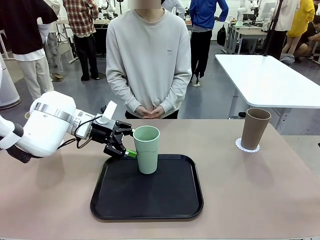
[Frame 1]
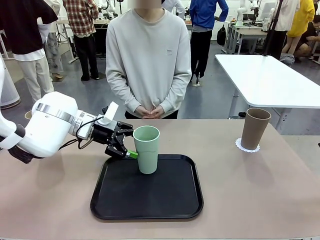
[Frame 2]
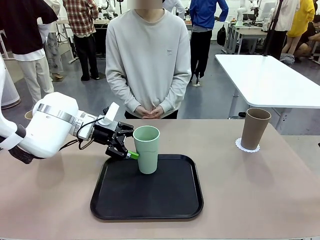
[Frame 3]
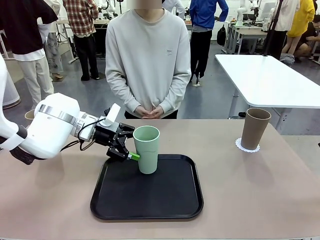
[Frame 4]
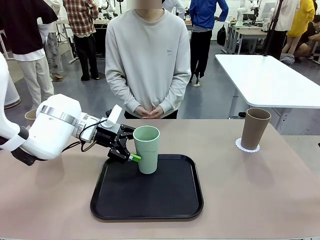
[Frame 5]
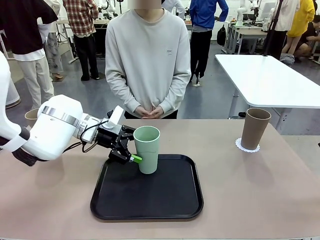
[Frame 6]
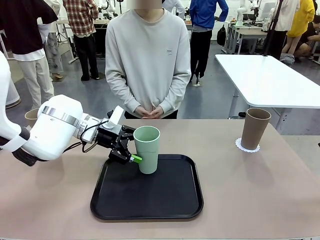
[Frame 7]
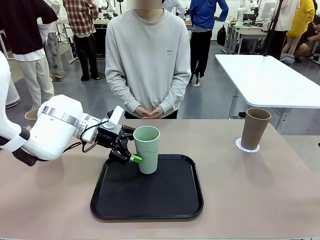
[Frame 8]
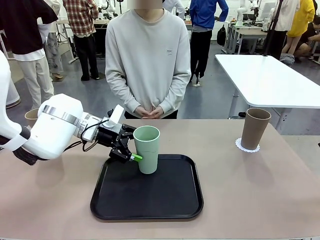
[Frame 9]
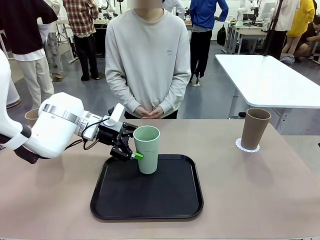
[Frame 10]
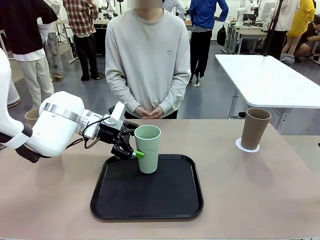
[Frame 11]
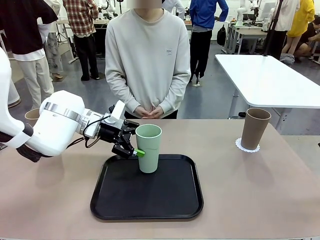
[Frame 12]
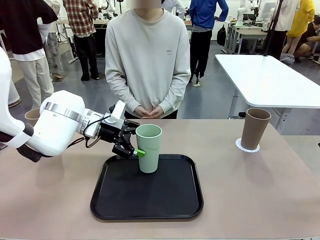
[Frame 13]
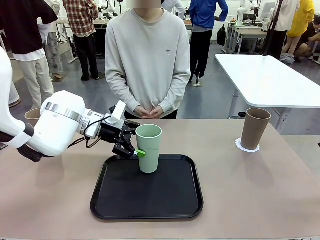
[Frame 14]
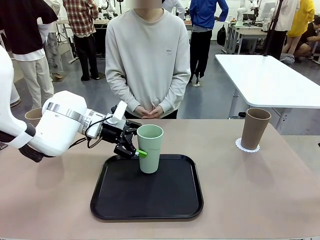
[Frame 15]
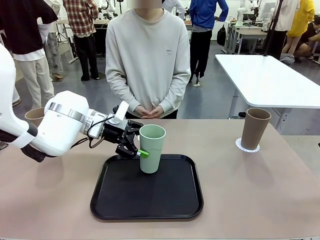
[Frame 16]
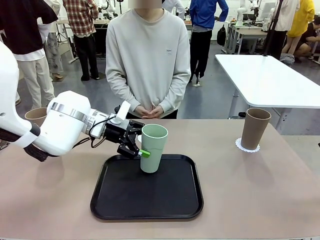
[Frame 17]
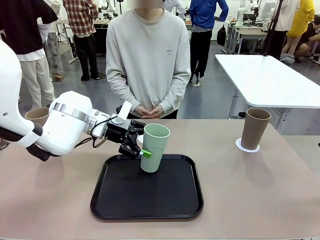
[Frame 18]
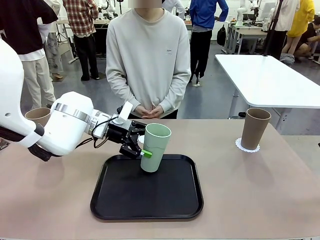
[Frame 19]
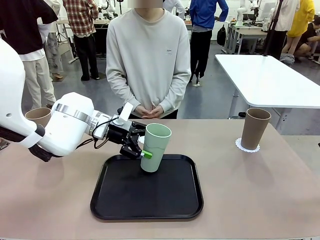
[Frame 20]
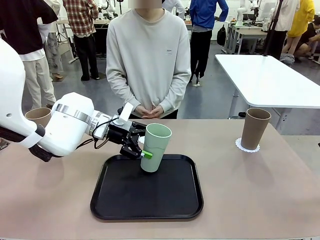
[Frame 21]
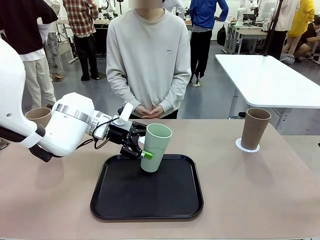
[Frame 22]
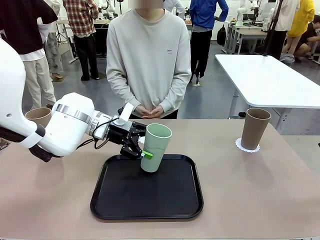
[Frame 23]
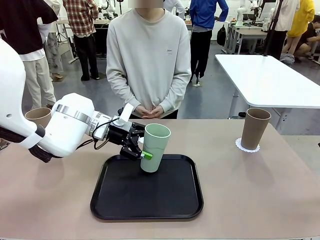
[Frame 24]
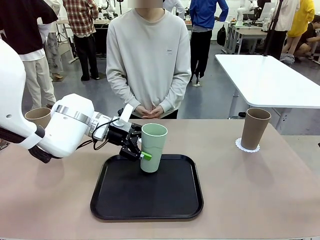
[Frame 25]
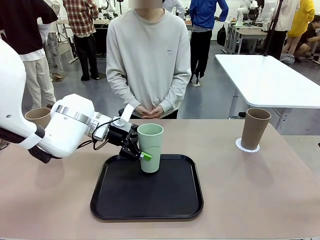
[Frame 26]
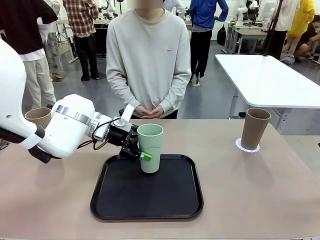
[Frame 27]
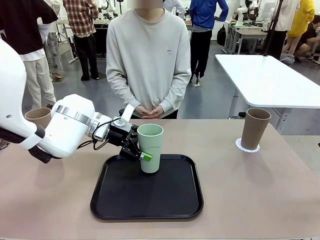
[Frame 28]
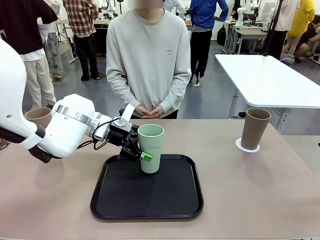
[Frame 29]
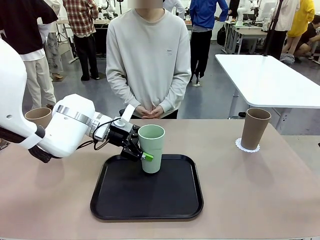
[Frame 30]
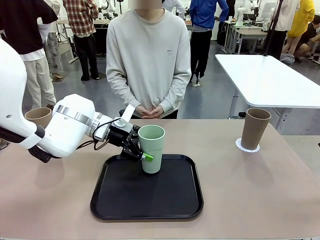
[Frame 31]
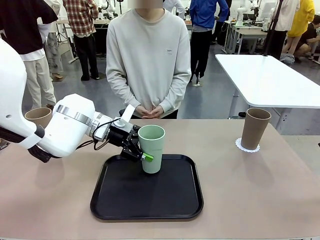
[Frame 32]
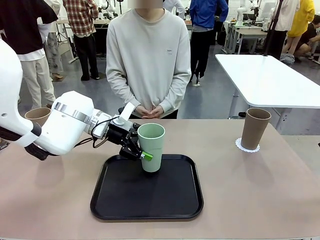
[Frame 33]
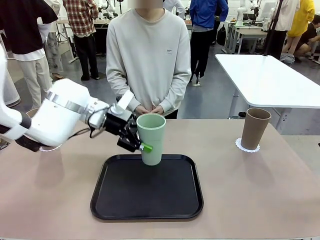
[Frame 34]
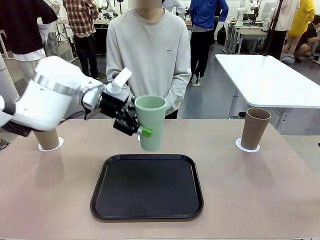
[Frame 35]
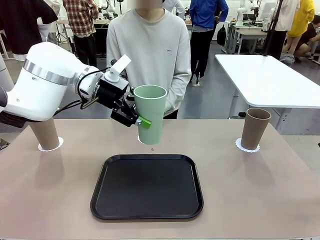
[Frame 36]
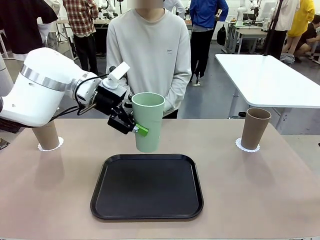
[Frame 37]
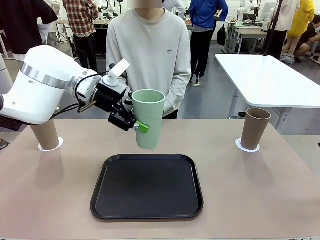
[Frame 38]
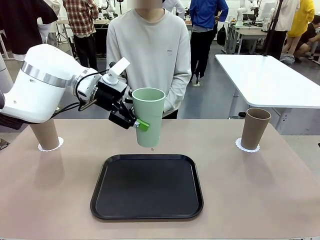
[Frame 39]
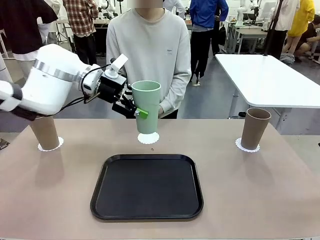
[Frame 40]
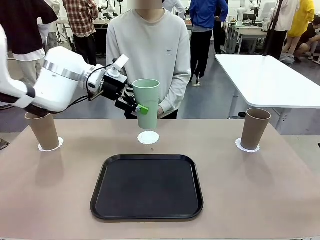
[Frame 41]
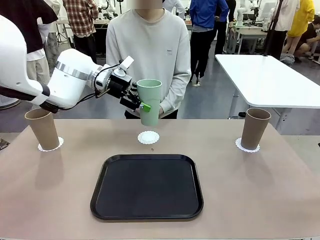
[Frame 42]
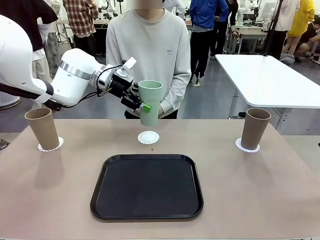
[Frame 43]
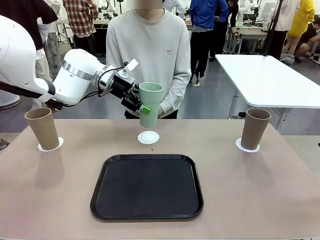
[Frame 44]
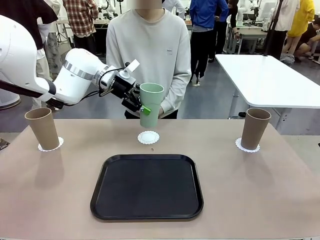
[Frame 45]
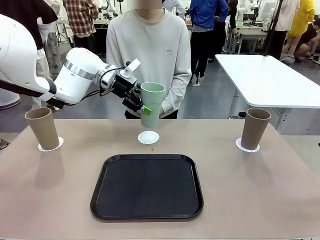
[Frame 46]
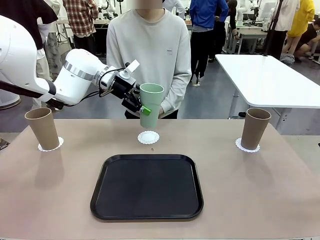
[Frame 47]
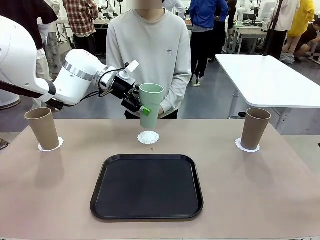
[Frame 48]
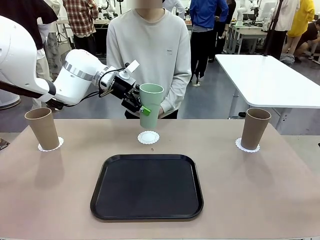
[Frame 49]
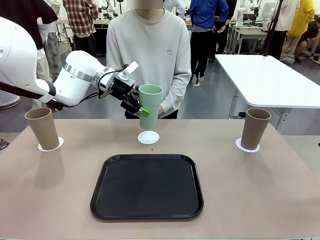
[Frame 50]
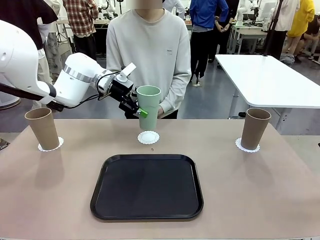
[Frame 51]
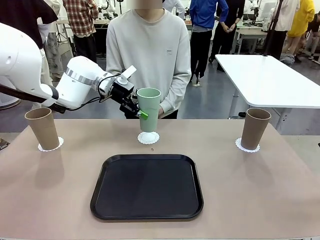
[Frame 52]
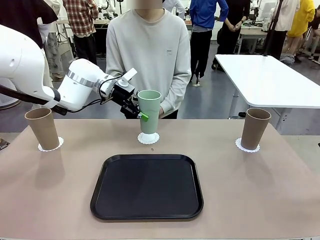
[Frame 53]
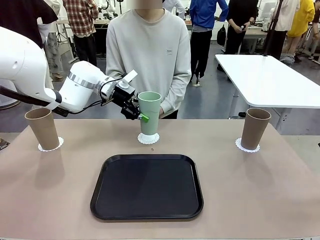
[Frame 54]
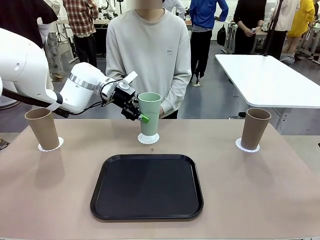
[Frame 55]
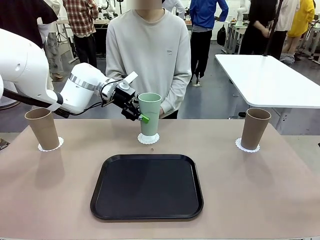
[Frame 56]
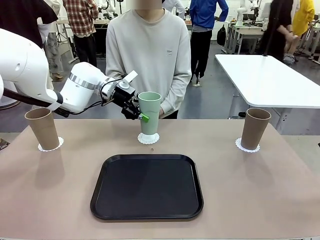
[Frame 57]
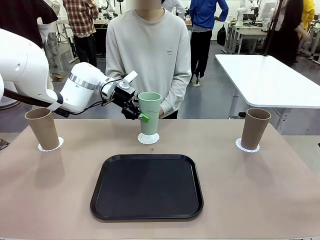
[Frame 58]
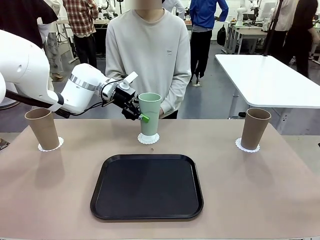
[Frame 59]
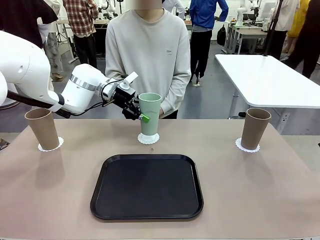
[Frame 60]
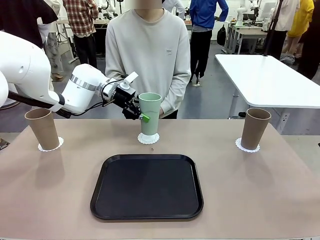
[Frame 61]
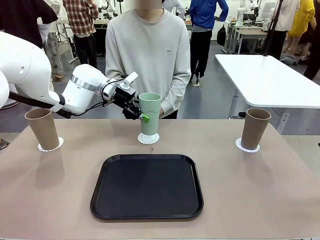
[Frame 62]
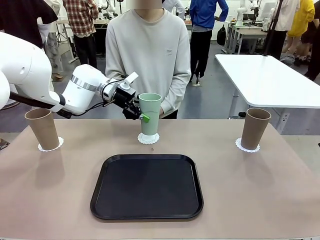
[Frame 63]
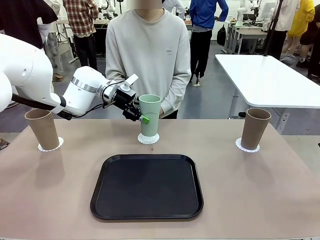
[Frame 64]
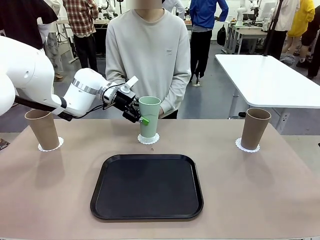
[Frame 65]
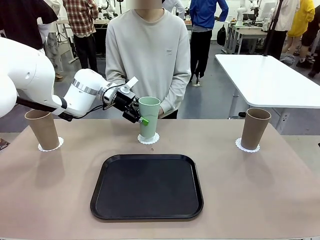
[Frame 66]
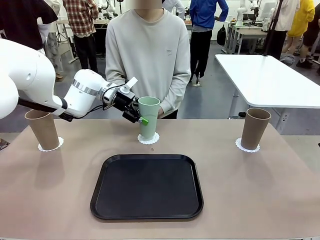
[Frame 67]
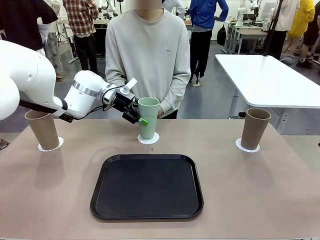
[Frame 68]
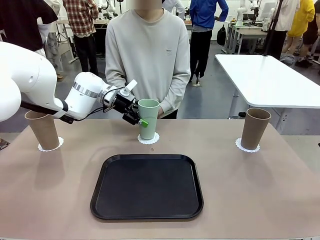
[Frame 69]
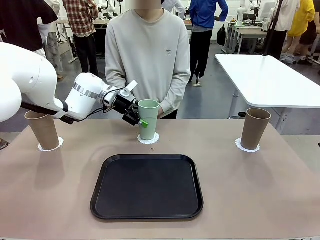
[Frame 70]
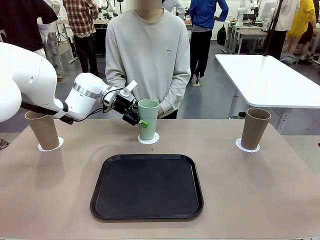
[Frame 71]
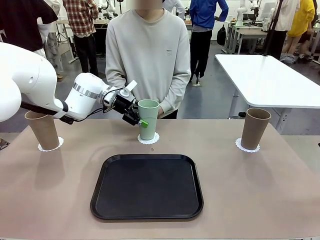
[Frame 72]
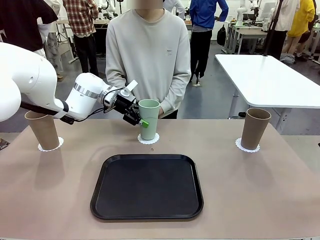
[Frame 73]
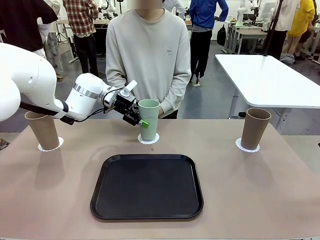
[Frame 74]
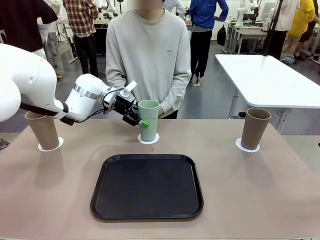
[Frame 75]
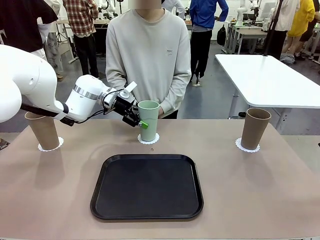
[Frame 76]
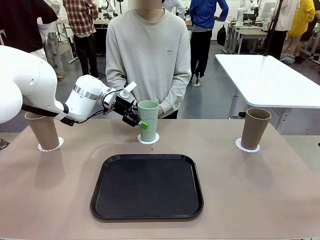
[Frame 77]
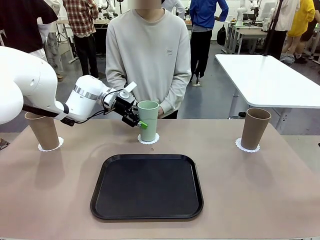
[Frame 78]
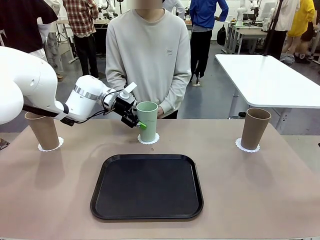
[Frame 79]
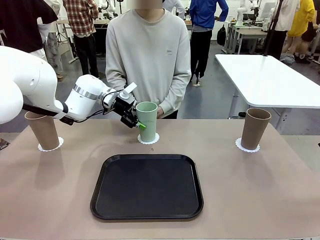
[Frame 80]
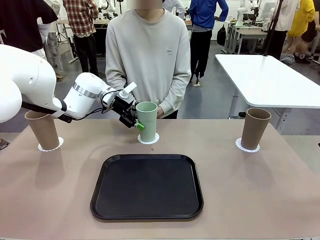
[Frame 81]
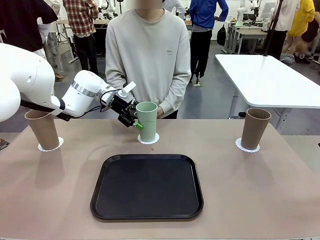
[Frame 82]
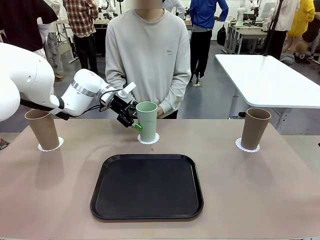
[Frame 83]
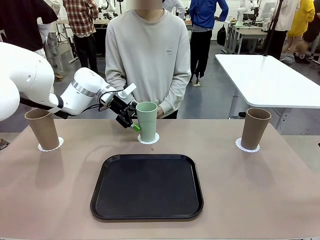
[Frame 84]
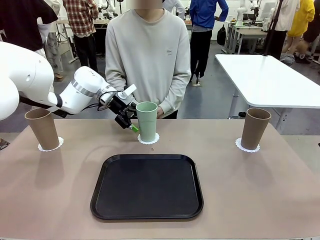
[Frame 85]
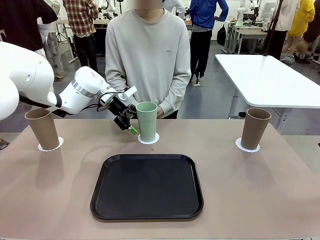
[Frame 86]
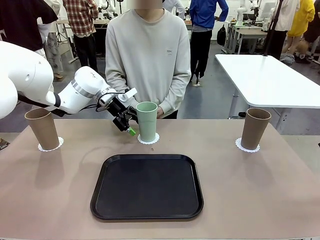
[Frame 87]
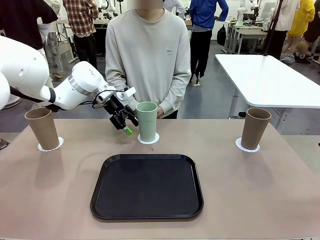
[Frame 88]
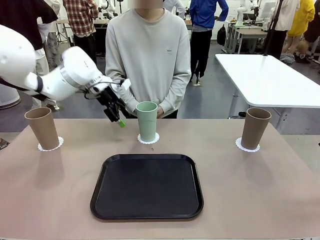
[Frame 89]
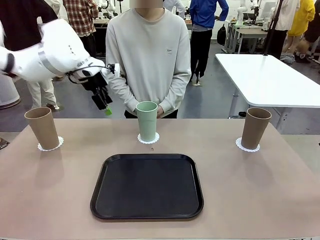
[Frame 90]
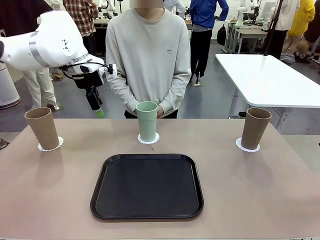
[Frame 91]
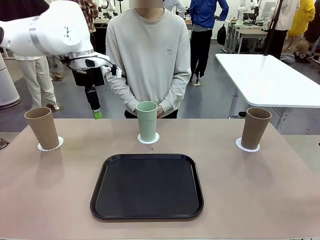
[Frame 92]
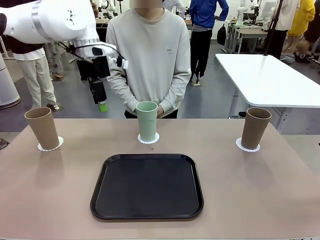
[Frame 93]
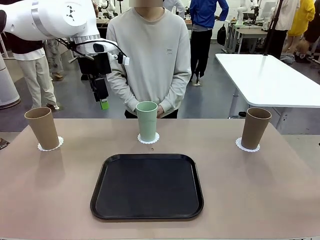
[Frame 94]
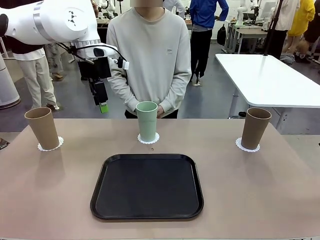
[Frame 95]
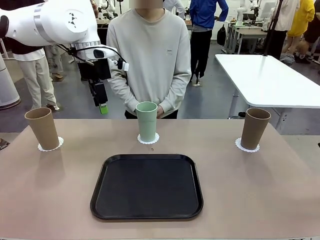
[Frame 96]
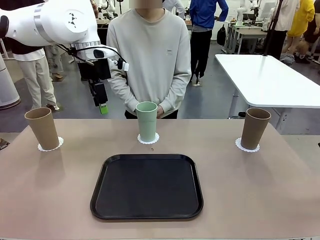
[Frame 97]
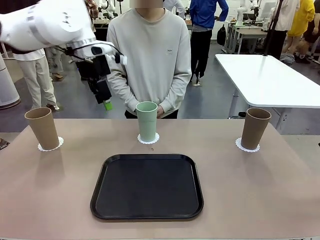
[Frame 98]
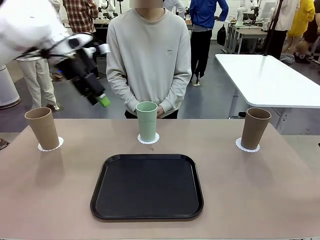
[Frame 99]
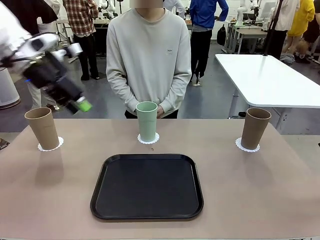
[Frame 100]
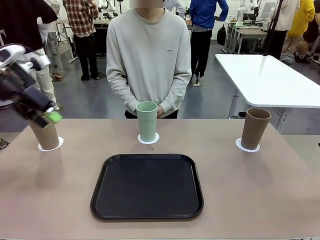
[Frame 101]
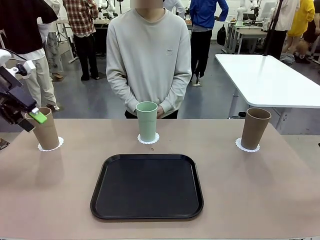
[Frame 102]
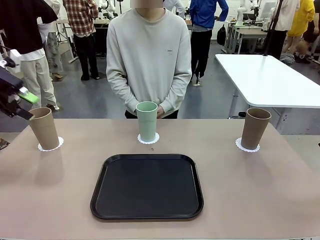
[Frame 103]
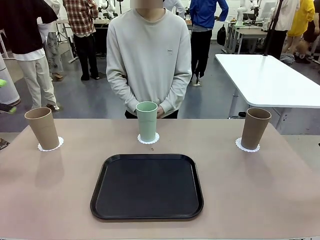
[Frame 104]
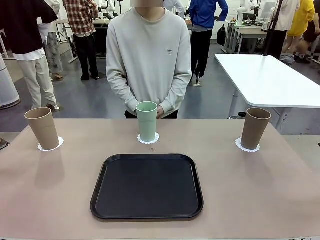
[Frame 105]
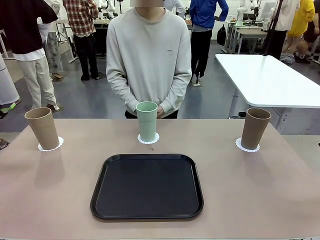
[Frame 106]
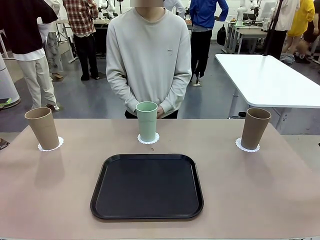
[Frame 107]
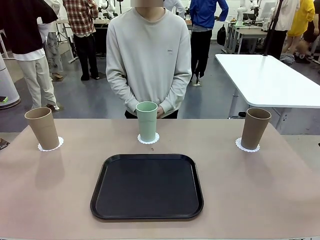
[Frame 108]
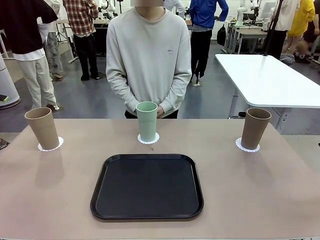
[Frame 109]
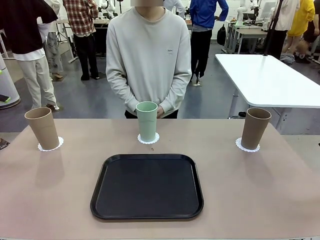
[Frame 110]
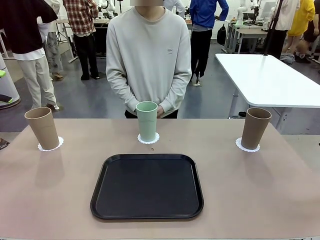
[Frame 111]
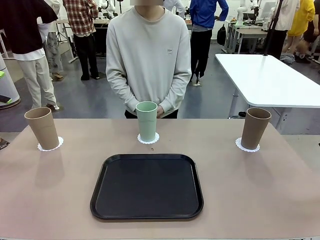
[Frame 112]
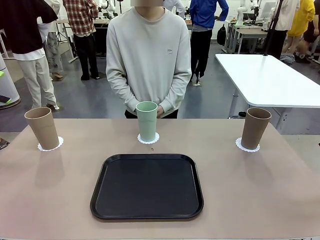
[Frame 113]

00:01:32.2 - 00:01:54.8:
Task: Place coasters on the table and set cups on them.
Robot: Take one Reusable plastic cup from the Flat Tray and place it on a coaster set by the human.
